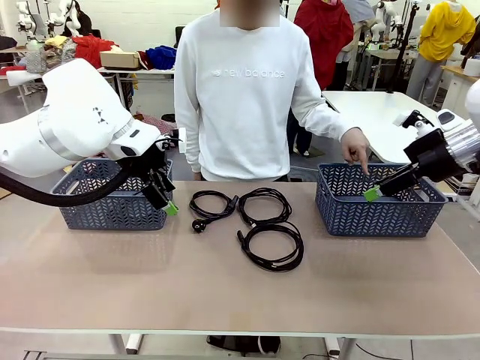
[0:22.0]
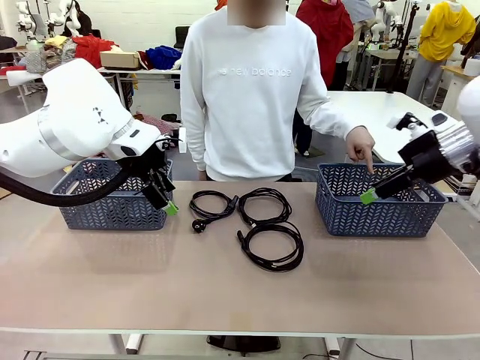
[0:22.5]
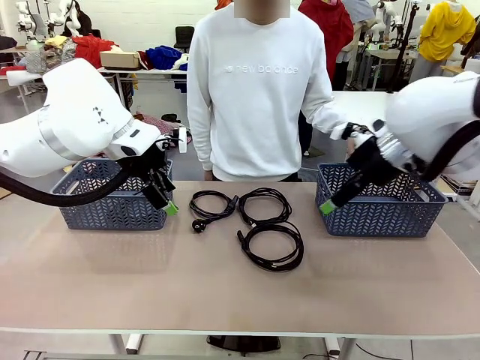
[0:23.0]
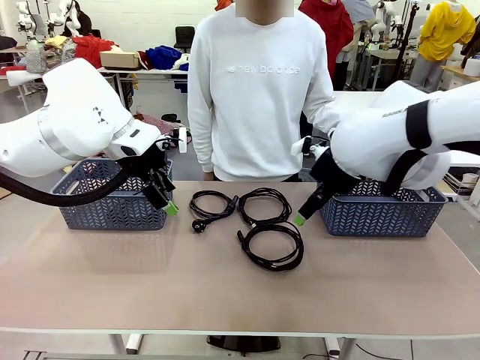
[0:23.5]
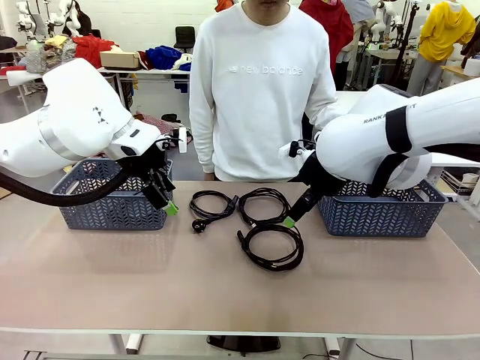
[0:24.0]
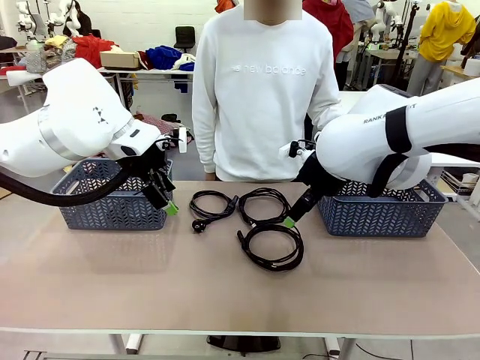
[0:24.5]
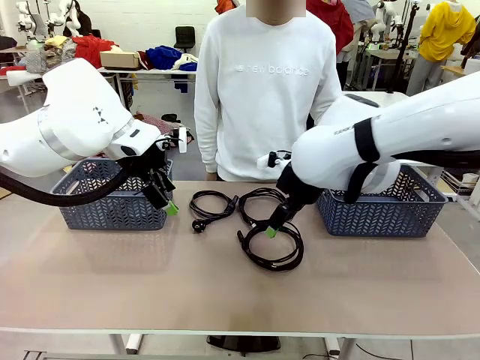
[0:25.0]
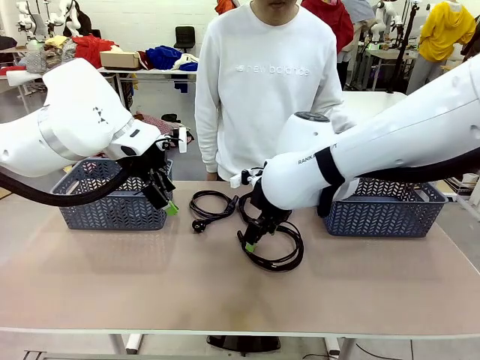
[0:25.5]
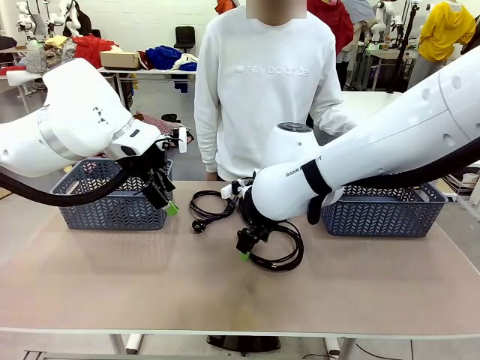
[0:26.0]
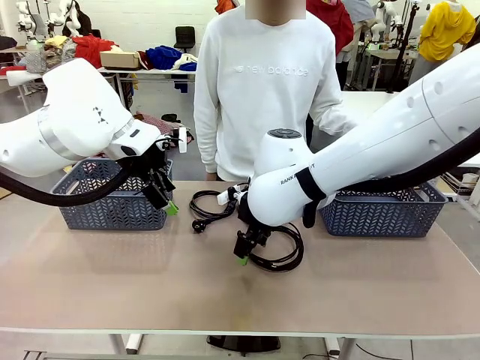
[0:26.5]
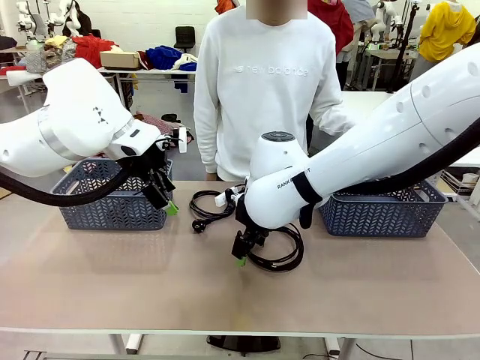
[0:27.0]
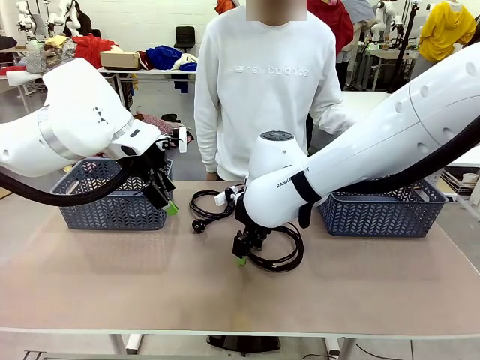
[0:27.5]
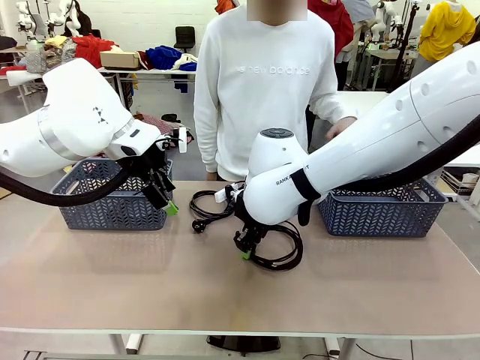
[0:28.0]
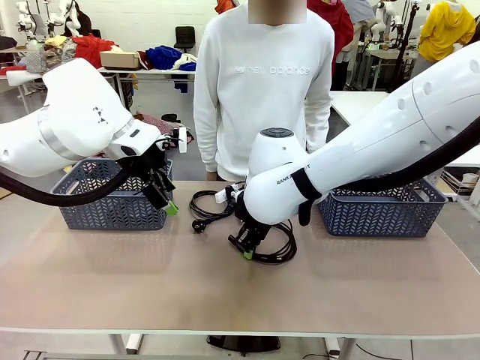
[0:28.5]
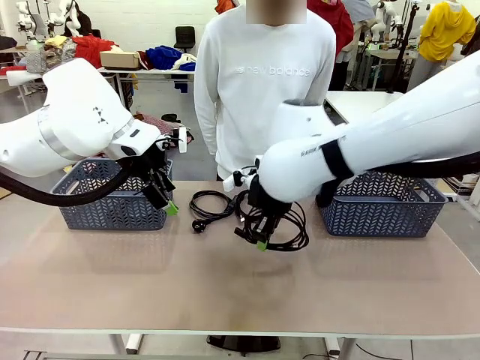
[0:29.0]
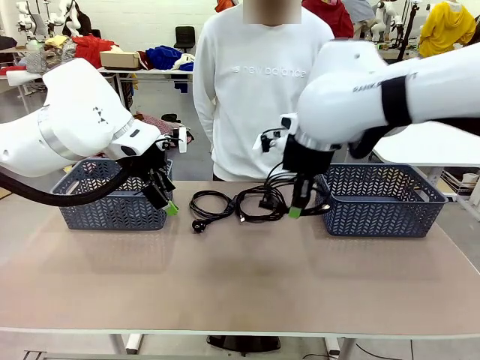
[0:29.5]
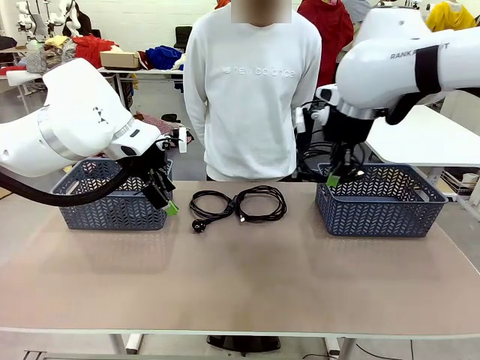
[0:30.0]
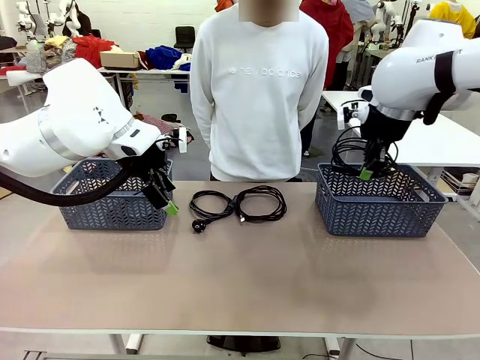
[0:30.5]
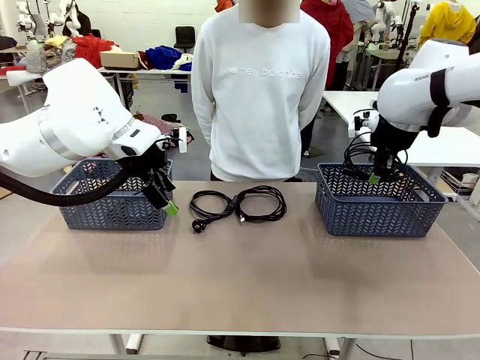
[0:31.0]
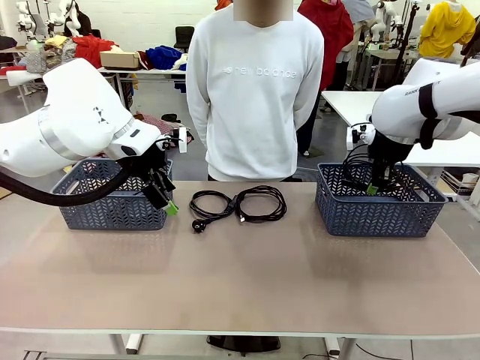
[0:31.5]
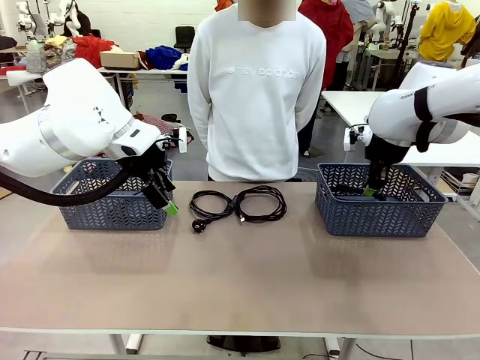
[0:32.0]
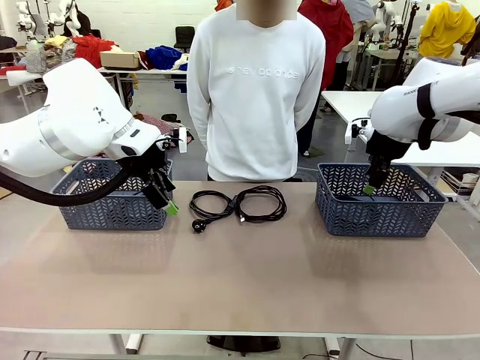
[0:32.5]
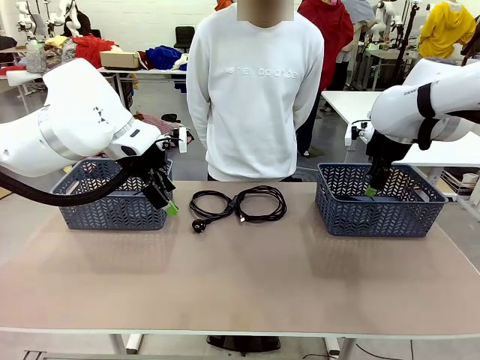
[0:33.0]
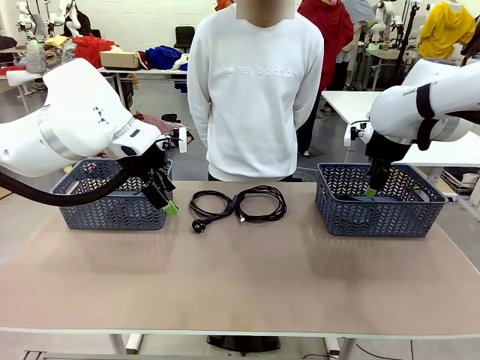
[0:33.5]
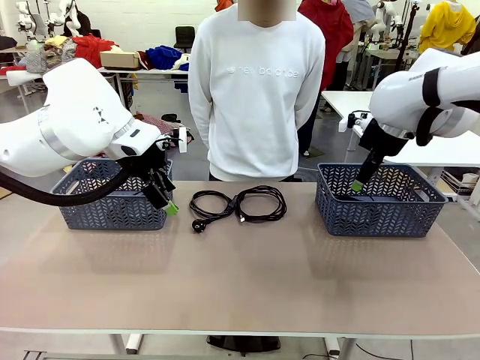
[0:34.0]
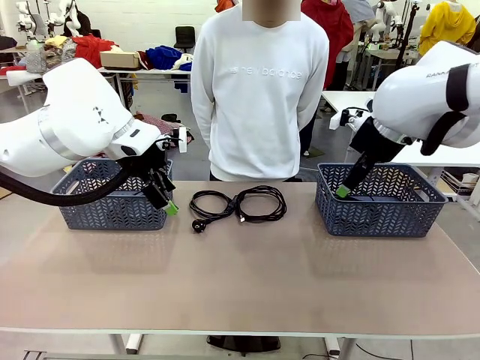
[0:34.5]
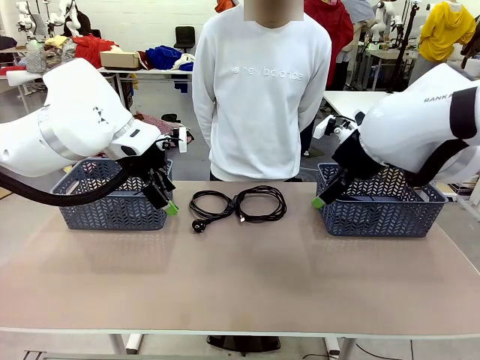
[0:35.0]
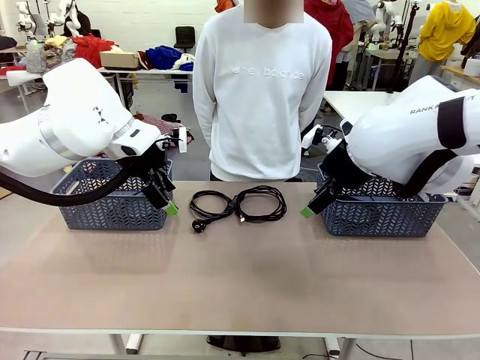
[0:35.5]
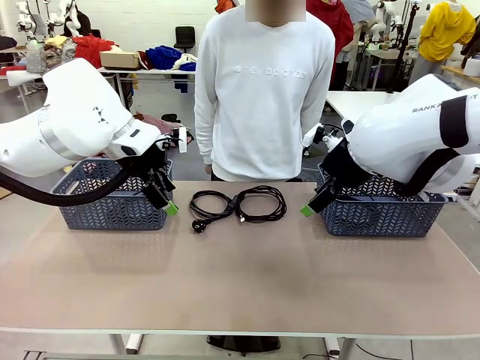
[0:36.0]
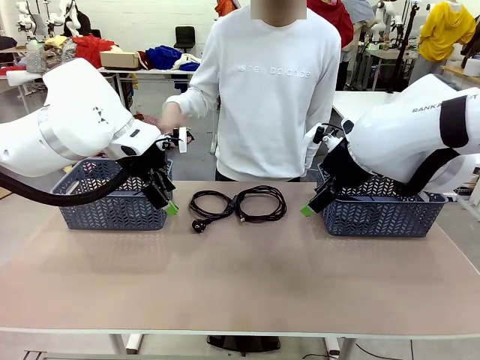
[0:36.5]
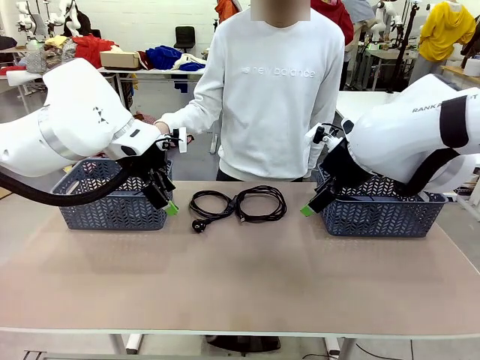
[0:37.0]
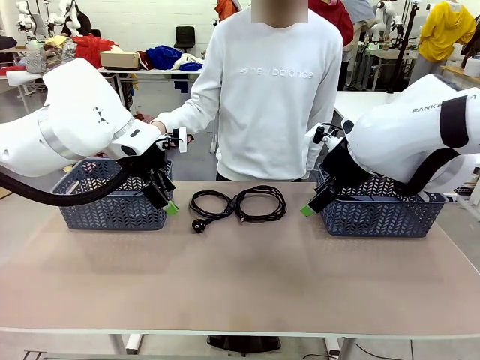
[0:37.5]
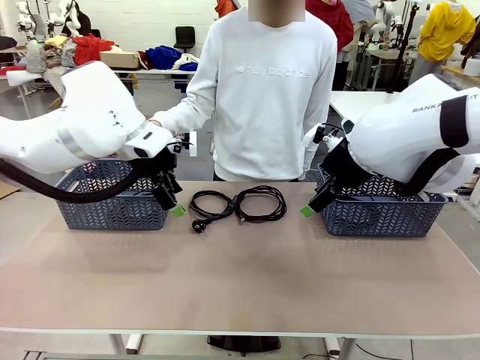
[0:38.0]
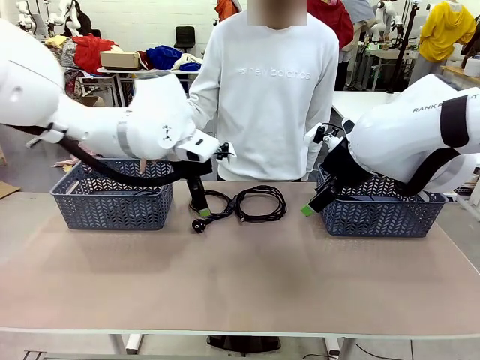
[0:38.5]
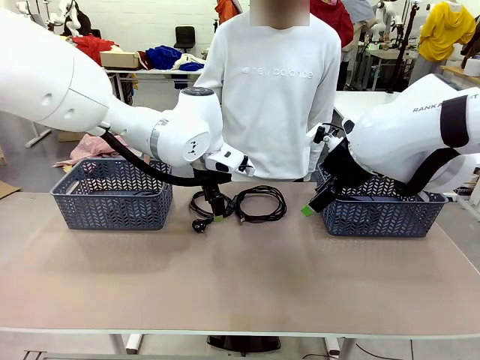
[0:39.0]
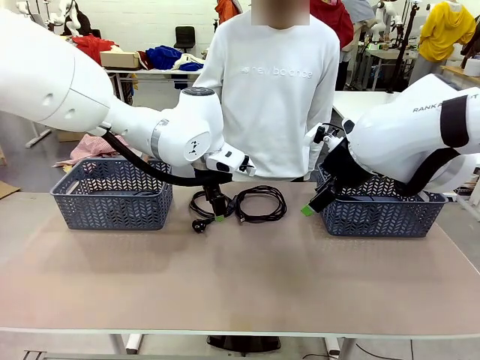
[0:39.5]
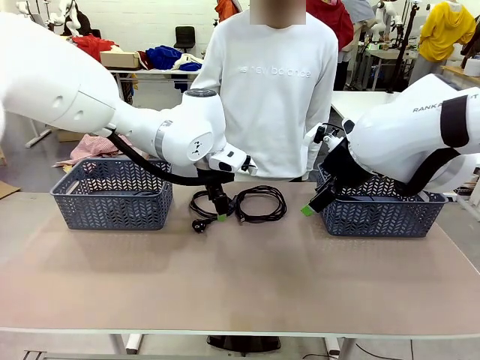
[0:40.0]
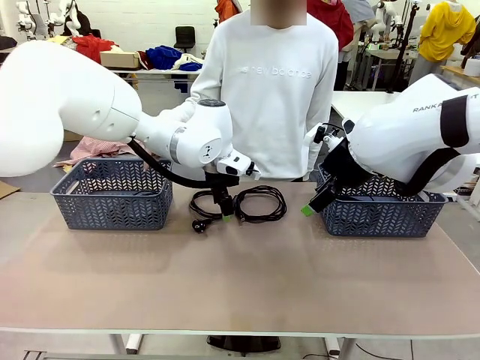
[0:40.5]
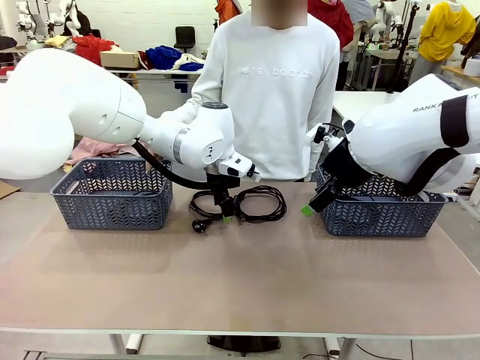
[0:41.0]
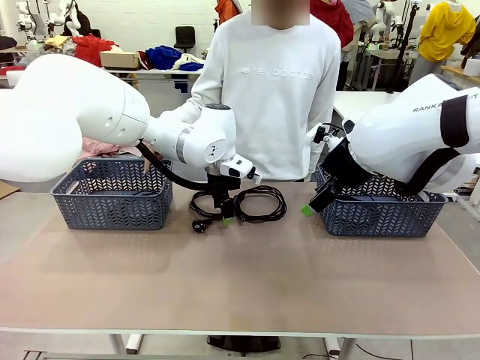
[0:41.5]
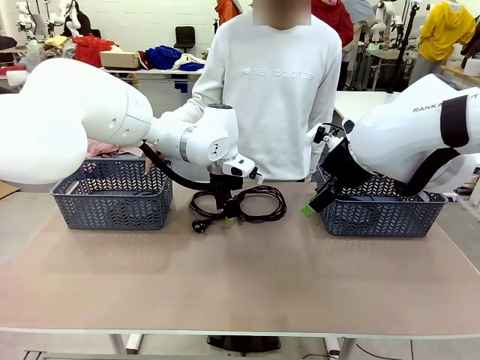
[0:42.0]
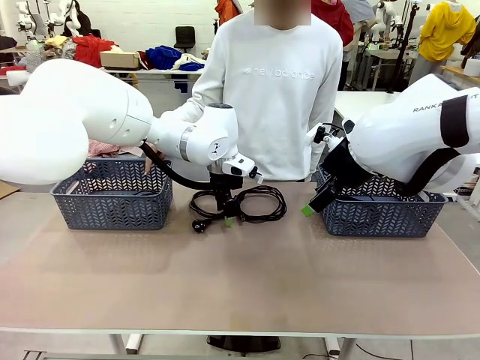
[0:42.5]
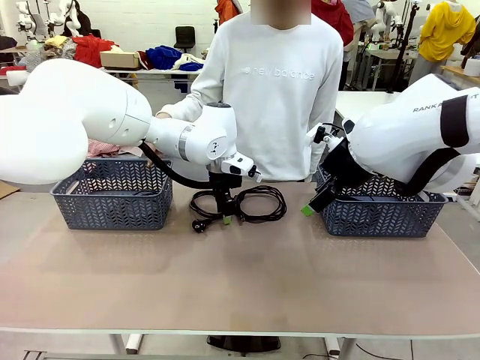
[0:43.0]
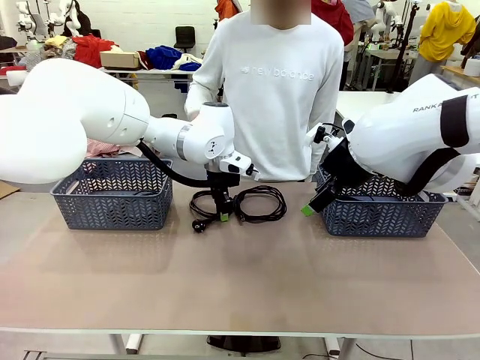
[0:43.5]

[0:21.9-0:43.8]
Task: Organize the cables according to human instructions.
Robot: Pick up a bundle of cables and place it in the basket indicated by the human.
